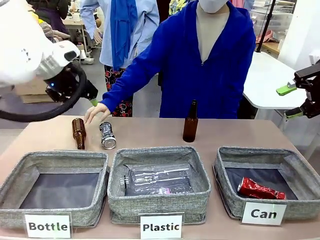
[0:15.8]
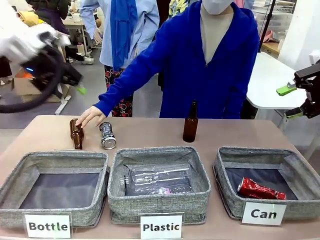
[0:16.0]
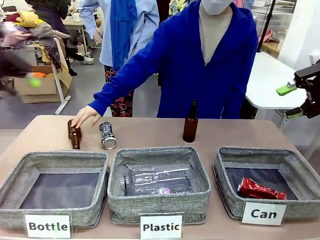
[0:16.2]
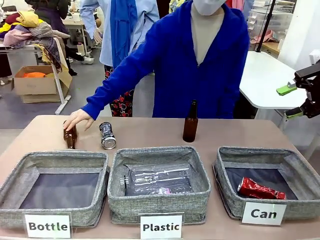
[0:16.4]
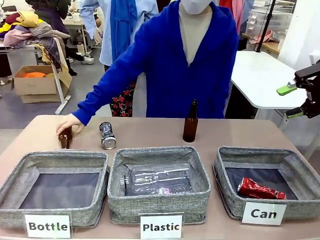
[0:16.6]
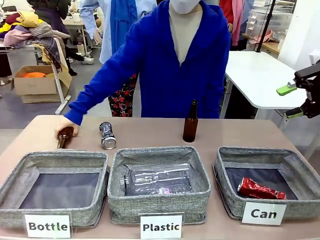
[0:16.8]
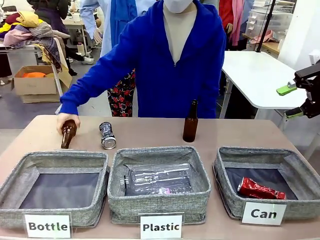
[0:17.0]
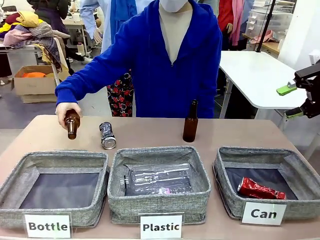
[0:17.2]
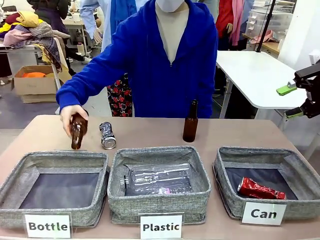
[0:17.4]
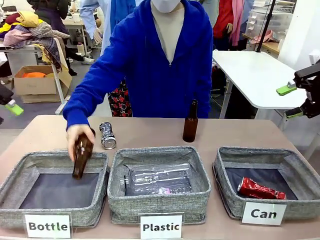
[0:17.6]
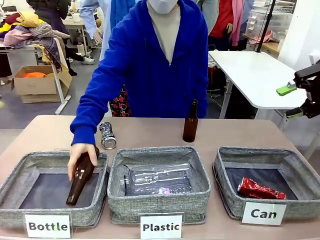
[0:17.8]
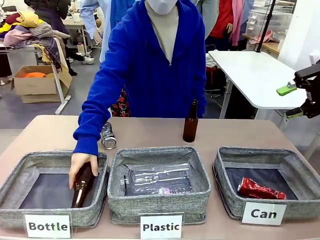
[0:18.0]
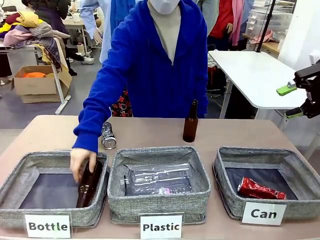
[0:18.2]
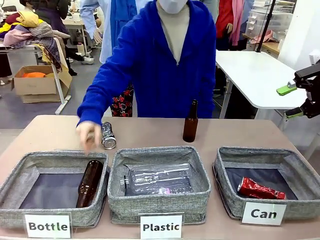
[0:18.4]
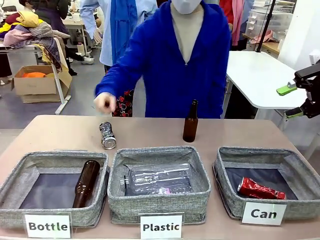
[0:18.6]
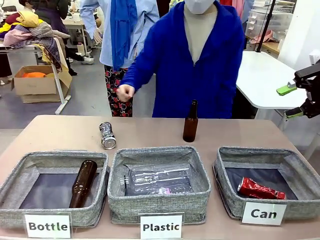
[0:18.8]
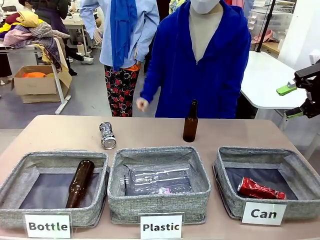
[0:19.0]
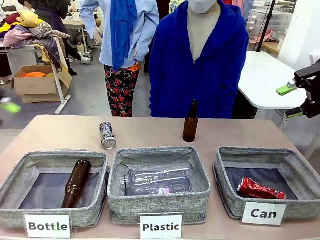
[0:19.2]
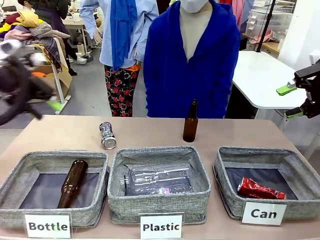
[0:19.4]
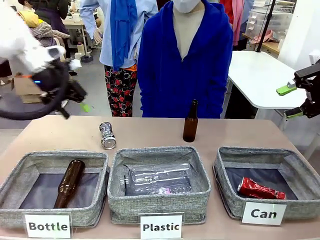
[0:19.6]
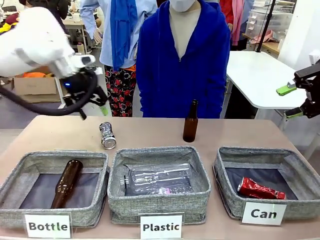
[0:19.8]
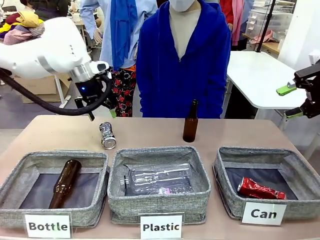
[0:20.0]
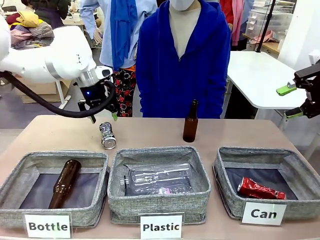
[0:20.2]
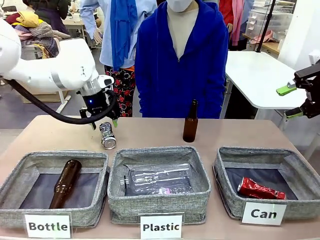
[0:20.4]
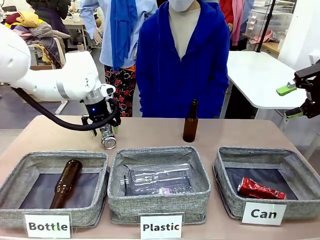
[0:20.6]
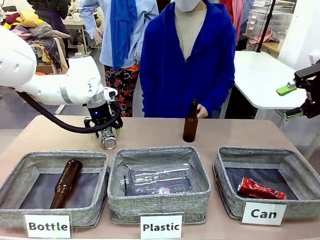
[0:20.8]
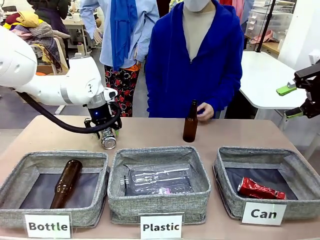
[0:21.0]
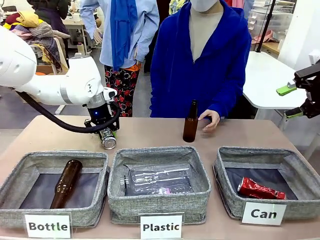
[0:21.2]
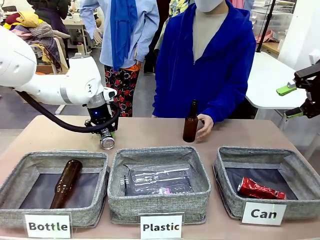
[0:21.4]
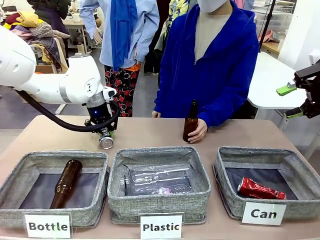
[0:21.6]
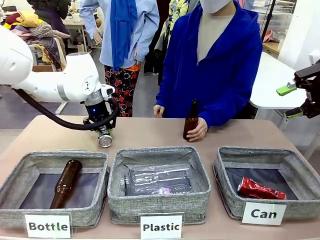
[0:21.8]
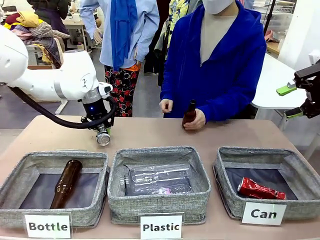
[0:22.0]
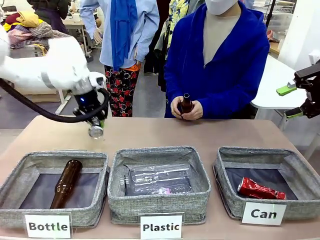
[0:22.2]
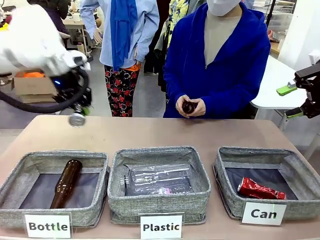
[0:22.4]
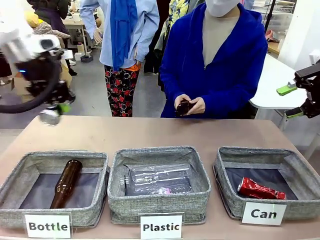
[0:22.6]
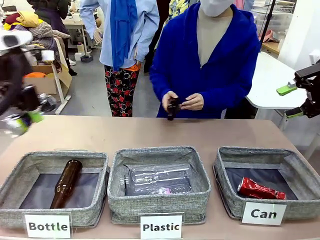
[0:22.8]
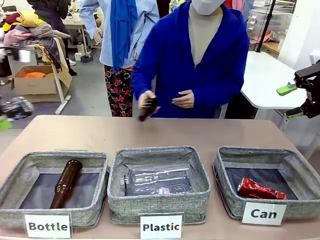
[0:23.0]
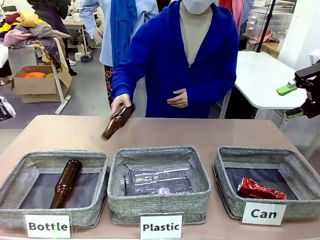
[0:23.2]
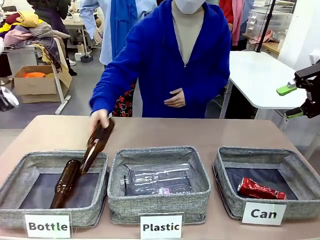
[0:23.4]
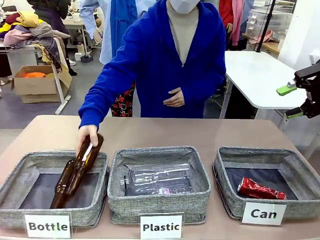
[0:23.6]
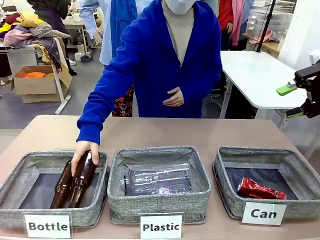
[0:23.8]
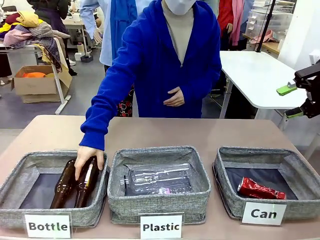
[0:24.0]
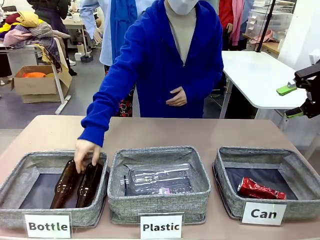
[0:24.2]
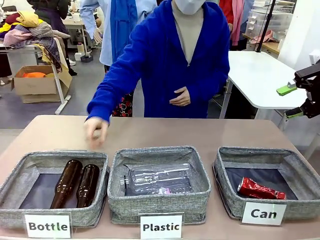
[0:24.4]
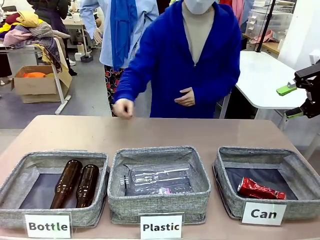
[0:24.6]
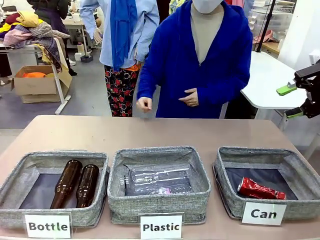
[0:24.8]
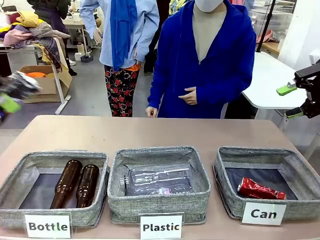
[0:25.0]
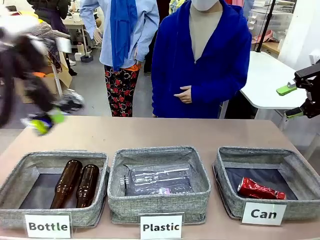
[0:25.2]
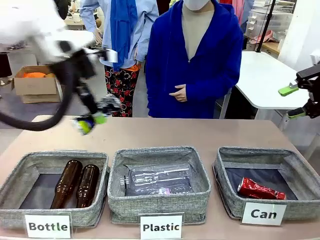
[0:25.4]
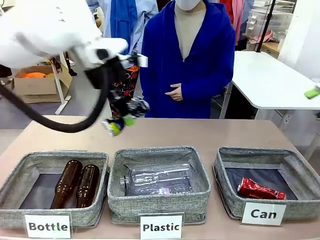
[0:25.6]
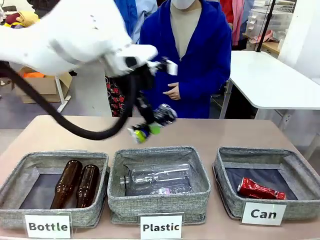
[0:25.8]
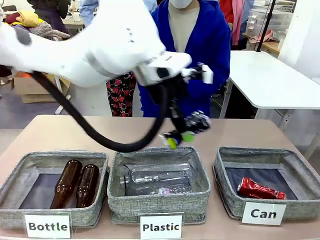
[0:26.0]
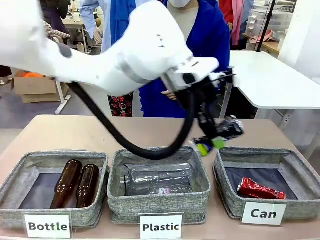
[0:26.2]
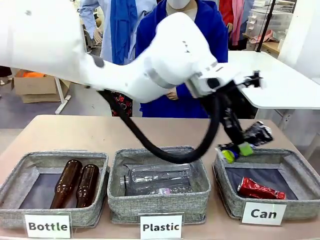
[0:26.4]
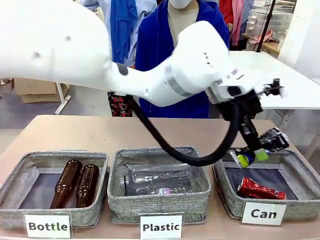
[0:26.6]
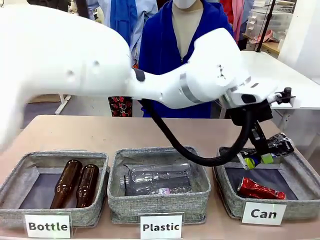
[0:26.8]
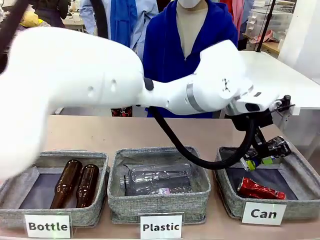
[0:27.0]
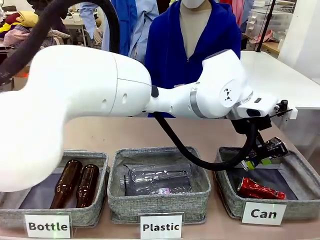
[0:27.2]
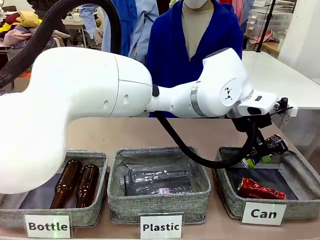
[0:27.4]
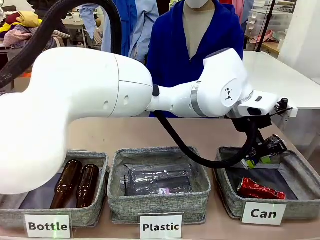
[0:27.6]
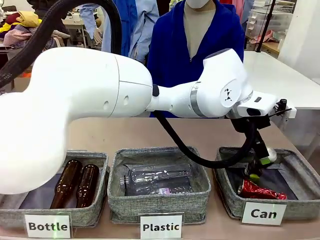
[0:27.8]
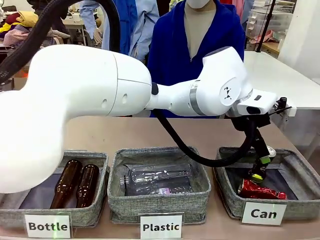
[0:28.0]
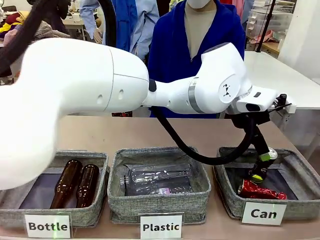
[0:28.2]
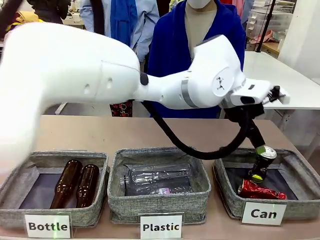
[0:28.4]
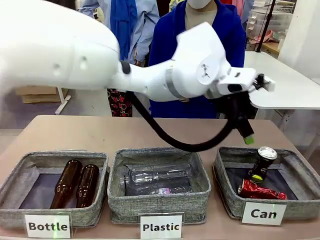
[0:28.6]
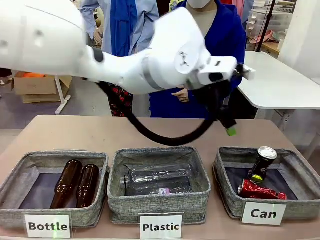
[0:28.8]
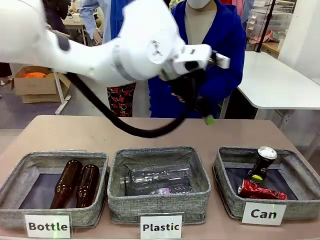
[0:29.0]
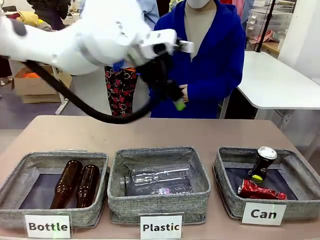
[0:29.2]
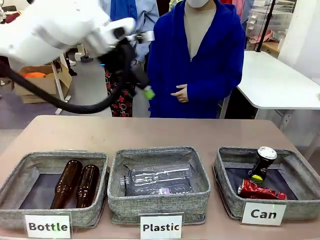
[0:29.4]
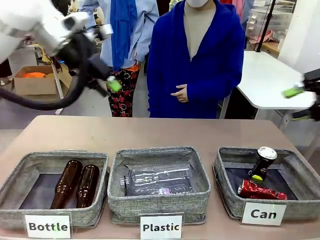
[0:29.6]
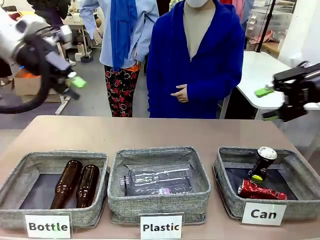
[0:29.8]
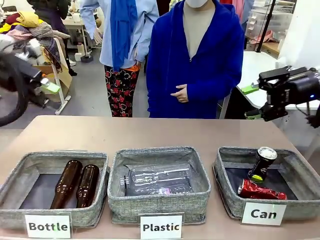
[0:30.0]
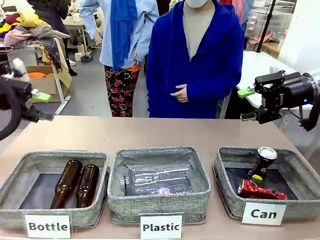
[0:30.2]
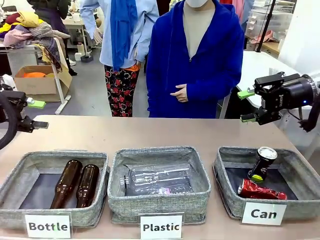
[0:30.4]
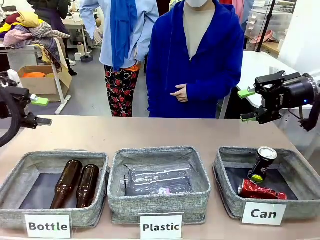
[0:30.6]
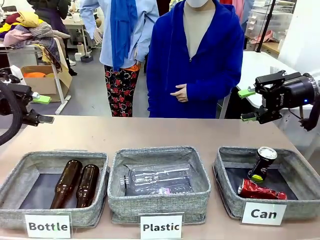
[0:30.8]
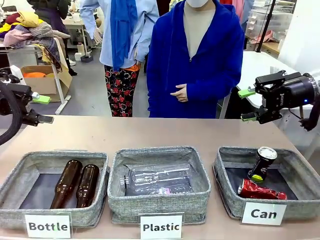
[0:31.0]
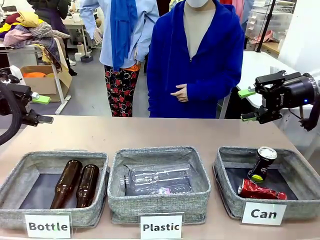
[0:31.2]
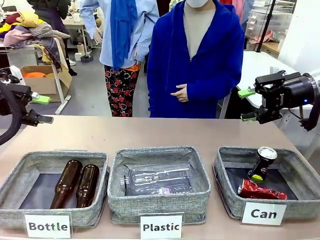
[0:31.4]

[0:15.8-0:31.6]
Task: Sort the can waste into the basket.
Robot: Pick up the can waste from the table and place it in the right Fabric basket.
